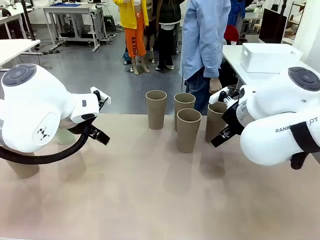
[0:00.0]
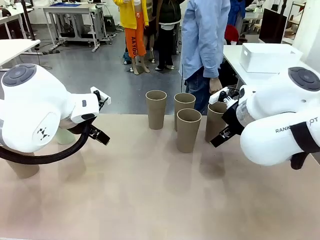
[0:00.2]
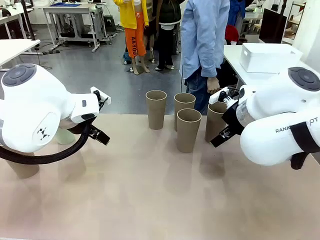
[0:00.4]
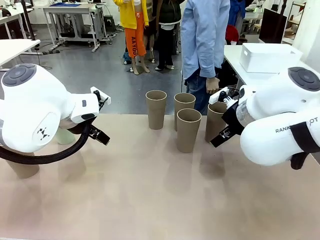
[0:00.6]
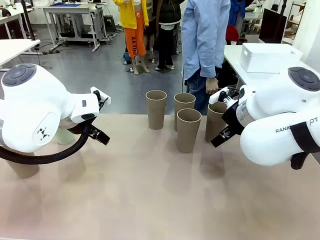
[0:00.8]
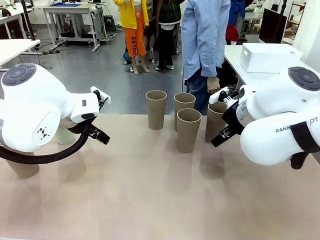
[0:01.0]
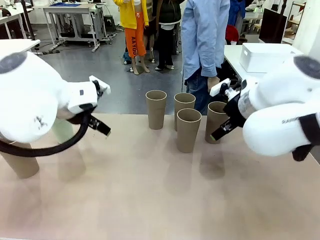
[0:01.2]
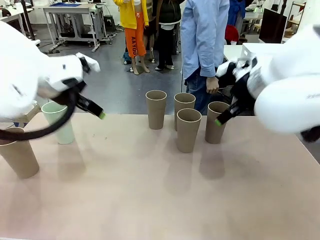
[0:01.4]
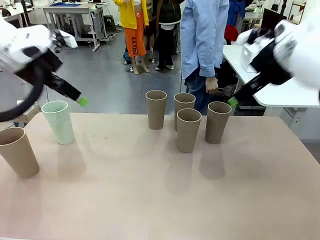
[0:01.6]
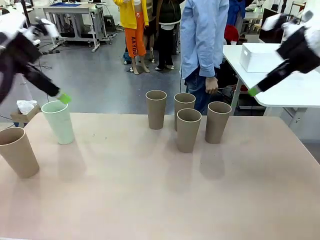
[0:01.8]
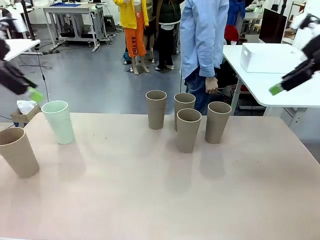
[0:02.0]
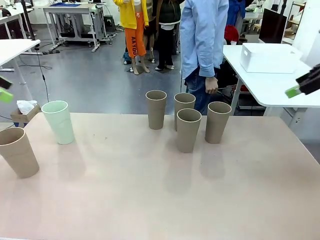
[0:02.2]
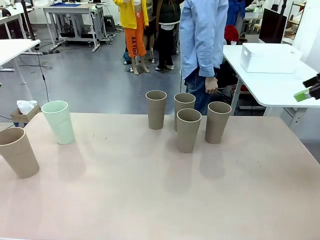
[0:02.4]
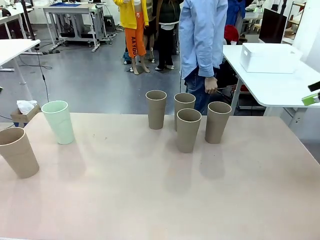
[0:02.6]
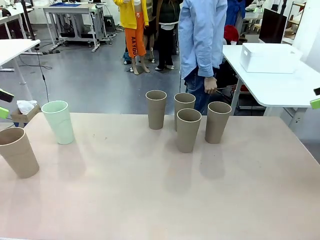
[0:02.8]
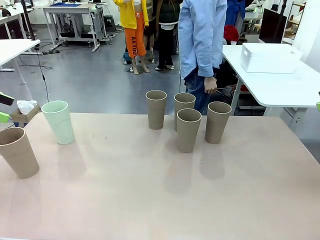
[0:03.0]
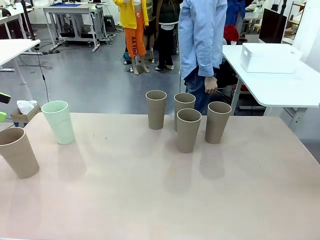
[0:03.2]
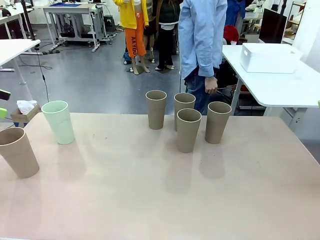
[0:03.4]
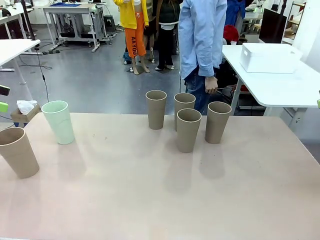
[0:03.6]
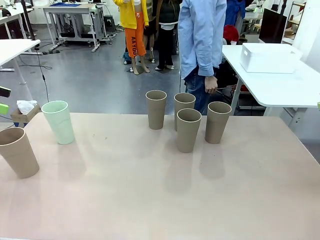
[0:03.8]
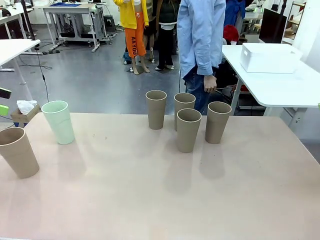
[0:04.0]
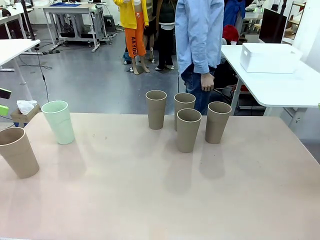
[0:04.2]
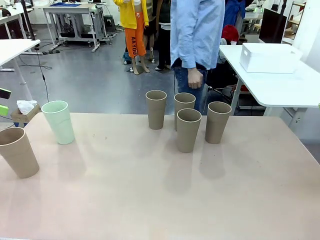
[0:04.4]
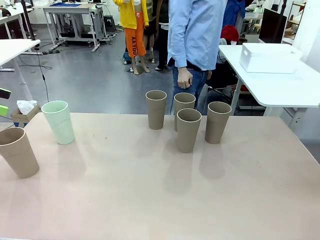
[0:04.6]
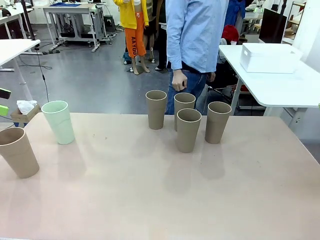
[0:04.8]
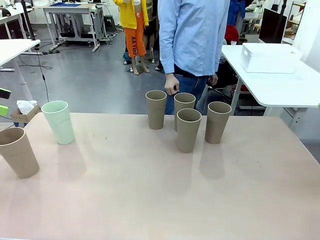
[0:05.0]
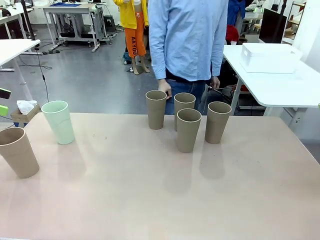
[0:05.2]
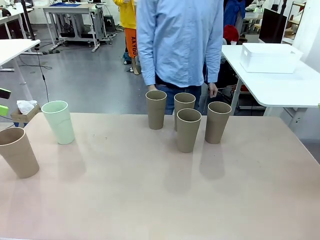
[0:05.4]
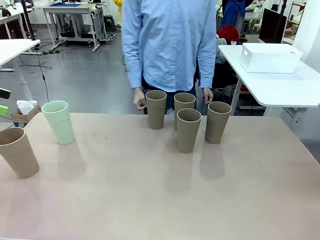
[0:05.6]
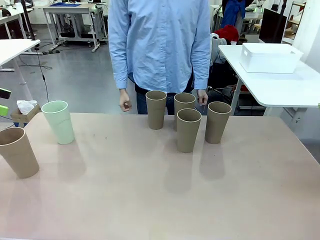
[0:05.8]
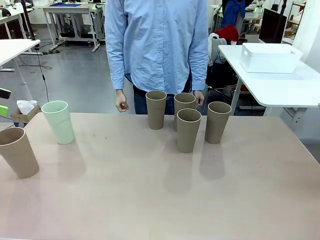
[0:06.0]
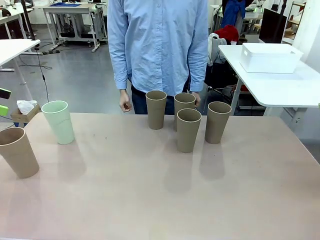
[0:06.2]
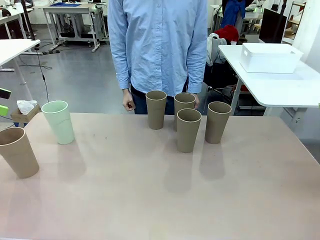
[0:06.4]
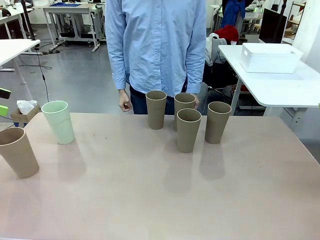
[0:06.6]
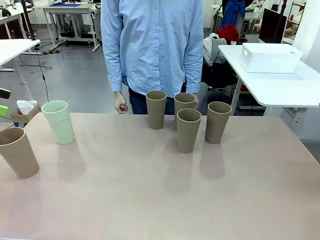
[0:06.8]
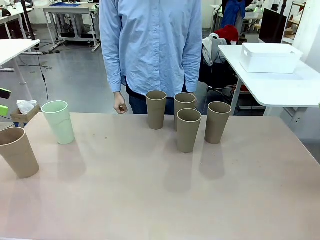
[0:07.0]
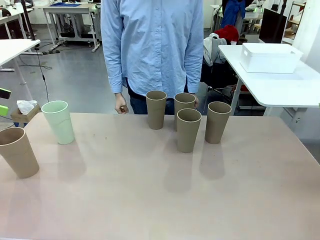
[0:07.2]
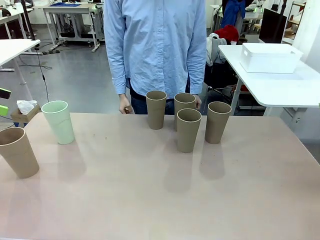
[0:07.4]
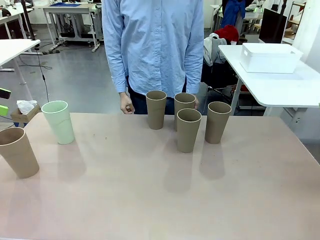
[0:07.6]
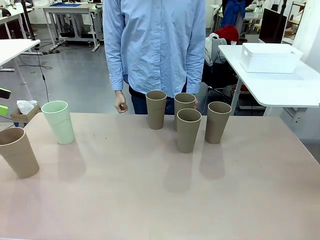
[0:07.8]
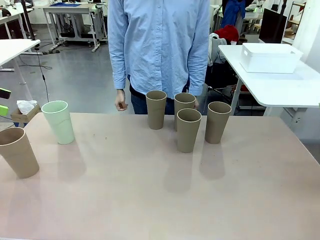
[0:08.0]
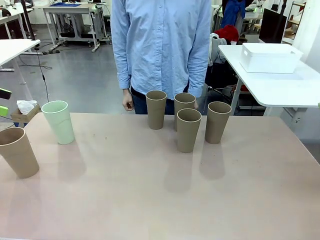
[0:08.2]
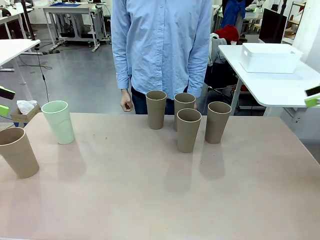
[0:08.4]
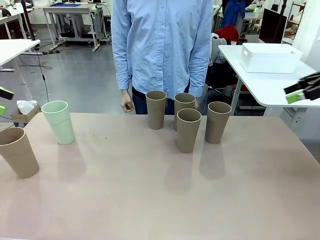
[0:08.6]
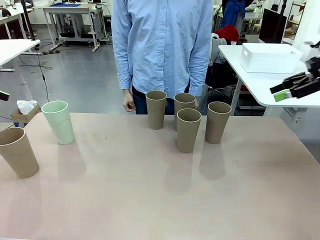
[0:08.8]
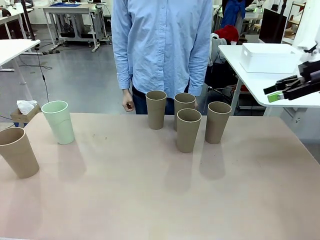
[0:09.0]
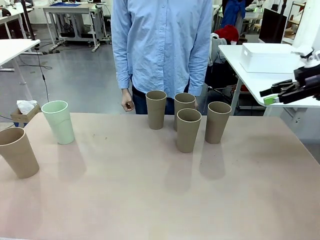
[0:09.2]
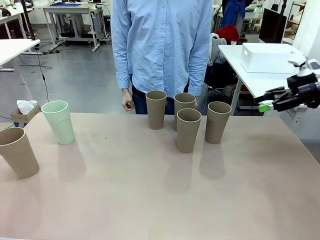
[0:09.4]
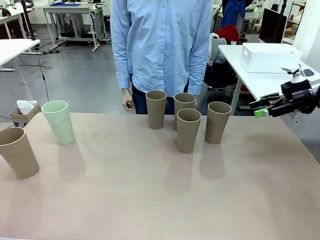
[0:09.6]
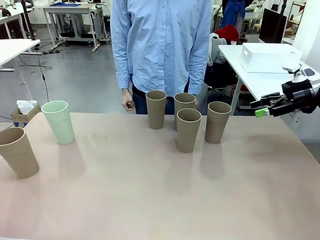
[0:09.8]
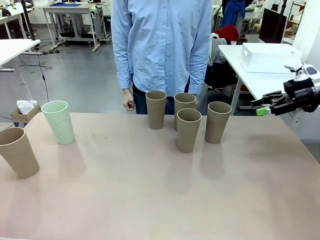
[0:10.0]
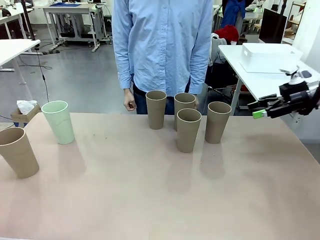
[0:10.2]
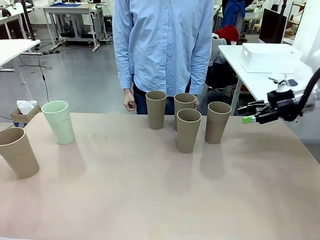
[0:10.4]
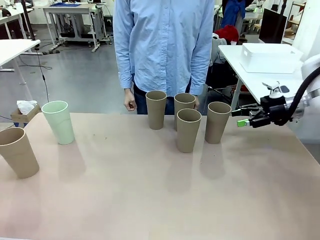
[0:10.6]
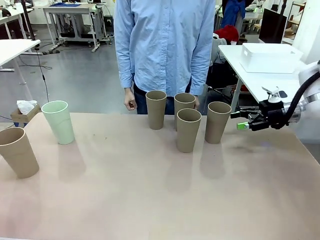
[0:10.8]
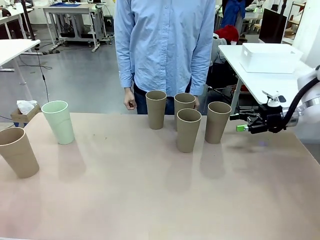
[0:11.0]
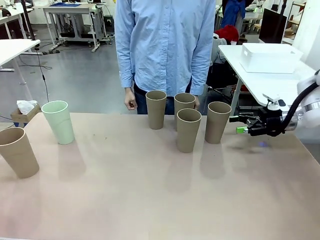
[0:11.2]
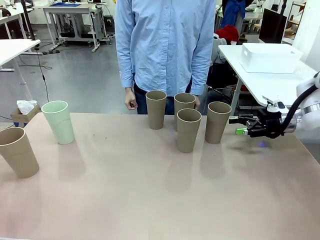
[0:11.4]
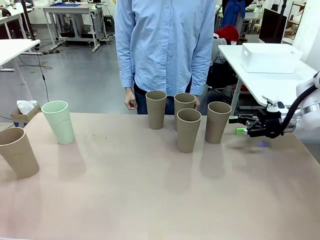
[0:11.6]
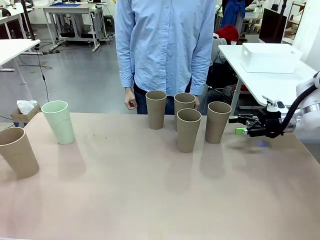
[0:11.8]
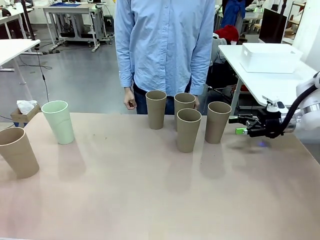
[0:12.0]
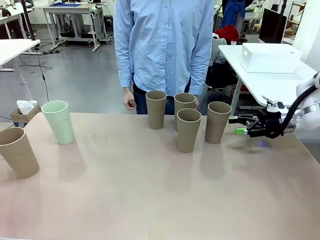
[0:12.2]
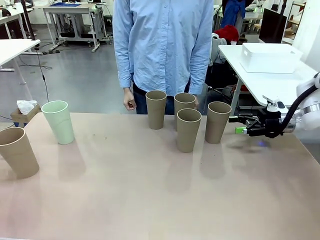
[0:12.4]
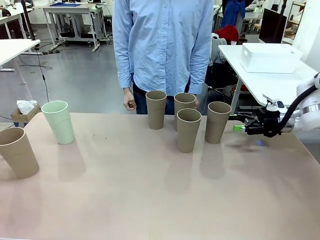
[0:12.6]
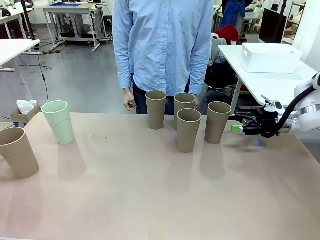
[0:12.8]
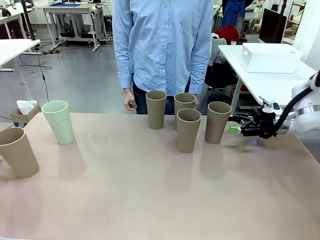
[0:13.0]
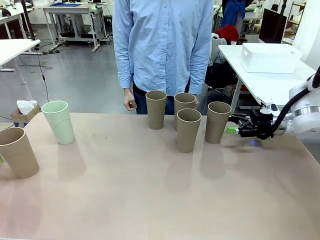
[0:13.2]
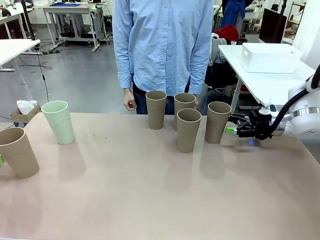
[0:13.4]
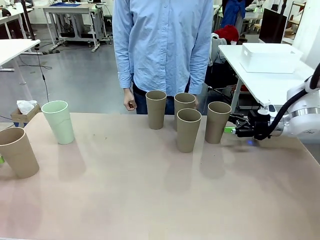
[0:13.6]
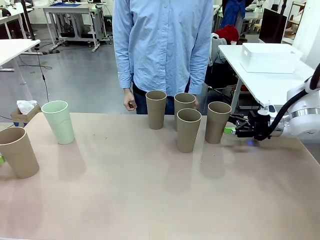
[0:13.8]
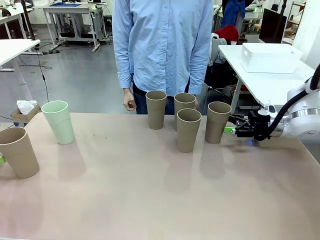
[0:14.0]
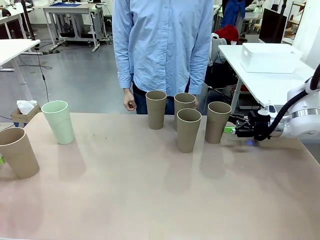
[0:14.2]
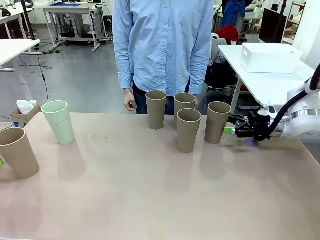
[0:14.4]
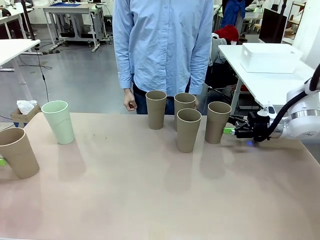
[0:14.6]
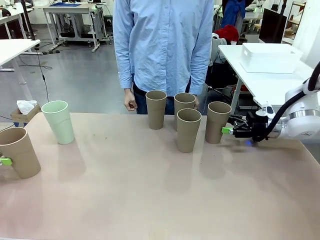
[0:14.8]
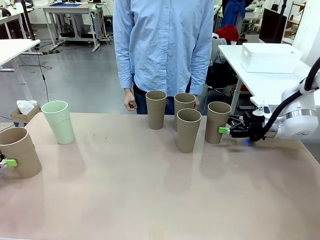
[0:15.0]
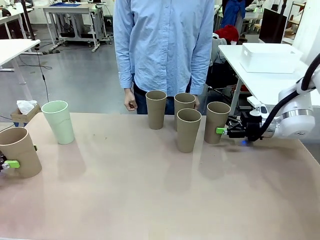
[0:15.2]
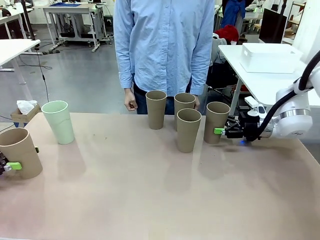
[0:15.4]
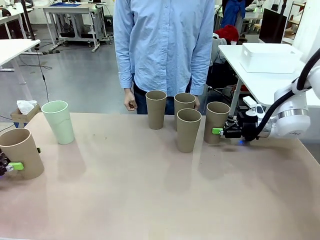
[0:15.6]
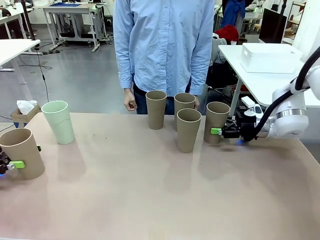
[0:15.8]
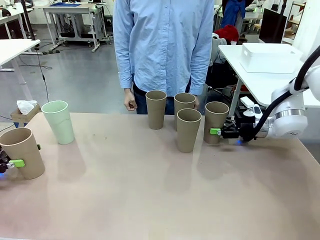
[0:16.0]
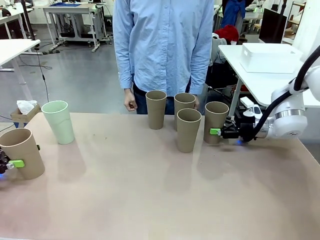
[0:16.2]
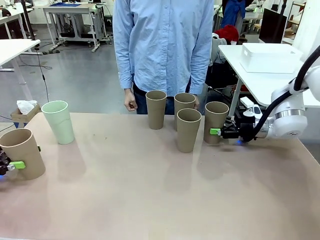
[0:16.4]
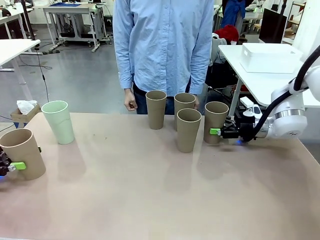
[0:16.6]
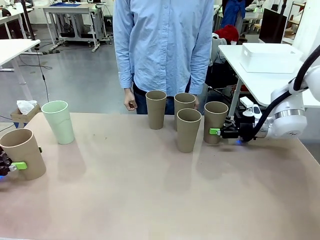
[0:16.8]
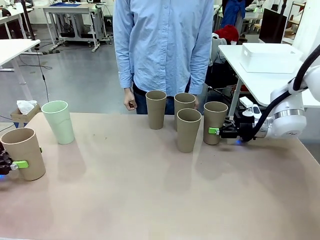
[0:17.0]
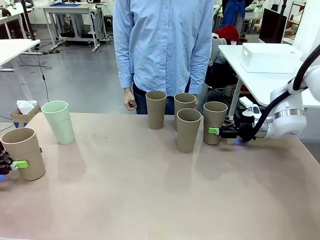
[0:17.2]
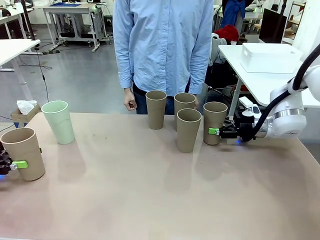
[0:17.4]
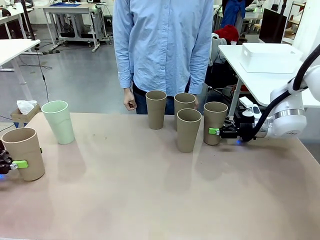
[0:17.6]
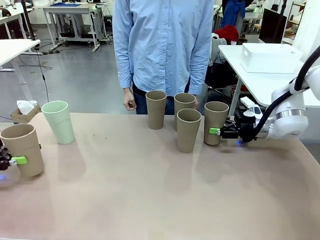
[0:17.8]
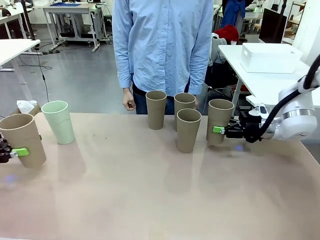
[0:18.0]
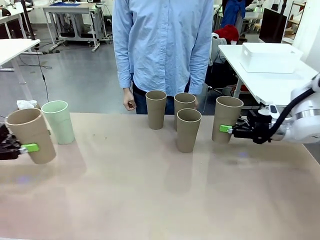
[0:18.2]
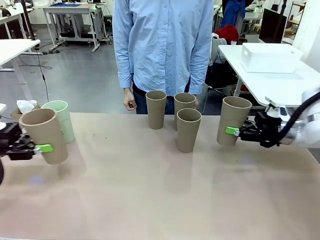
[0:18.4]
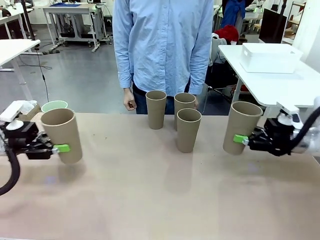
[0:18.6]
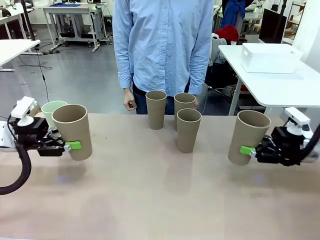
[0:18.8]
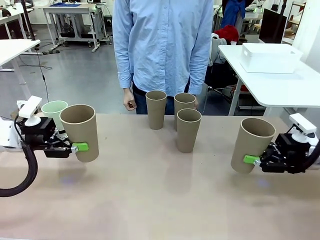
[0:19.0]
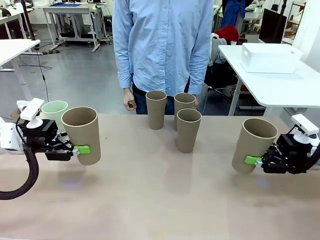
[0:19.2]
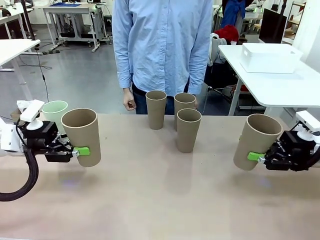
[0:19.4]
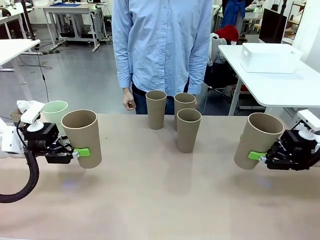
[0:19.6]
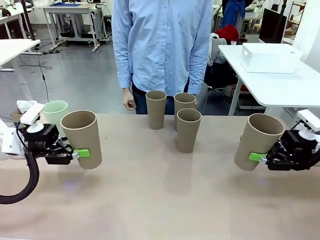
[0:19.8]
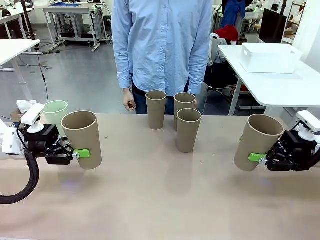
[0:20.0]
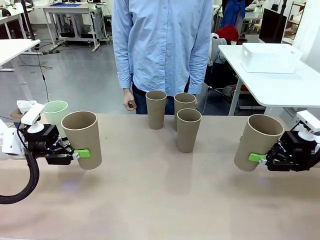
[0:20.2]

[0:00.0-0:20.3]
Task: Stack the cups and store them in the basket.
Robot: Pick up two Reusable plastic cups , one in each hand.
Person: Move from the Human Table to the front of the Robot Table. Stack two of the remaining cups on top of each cup held by the robot.
